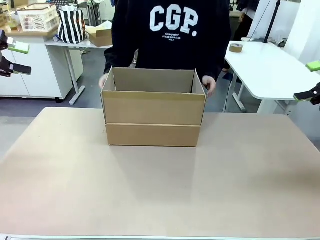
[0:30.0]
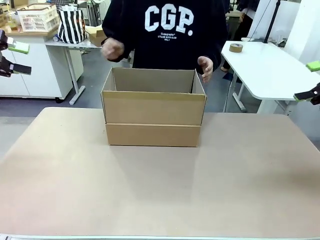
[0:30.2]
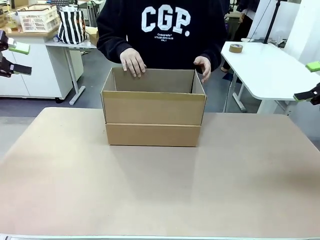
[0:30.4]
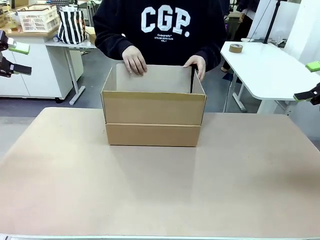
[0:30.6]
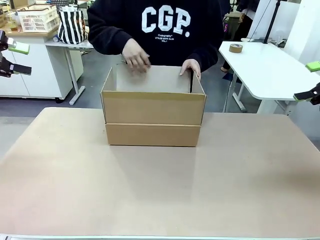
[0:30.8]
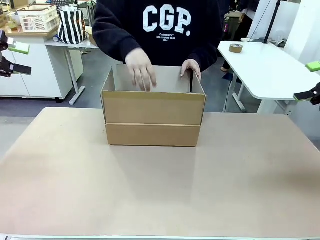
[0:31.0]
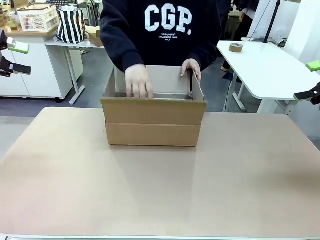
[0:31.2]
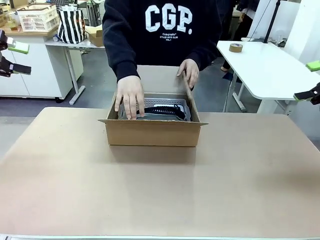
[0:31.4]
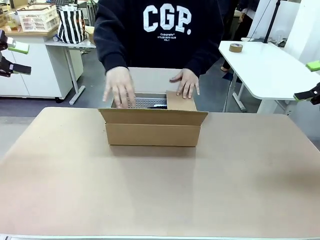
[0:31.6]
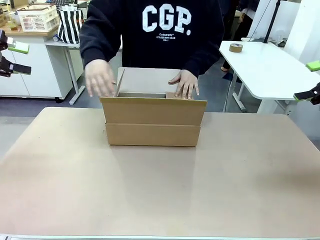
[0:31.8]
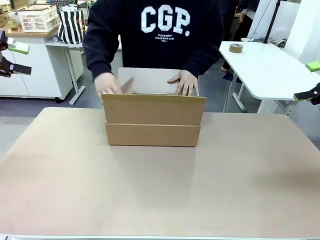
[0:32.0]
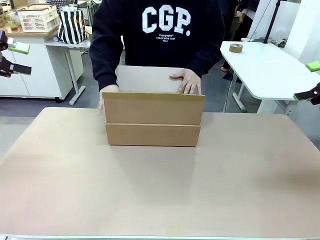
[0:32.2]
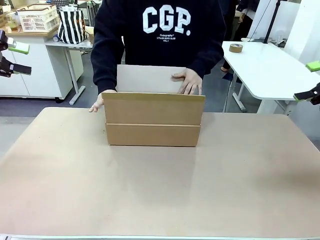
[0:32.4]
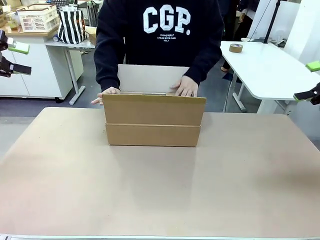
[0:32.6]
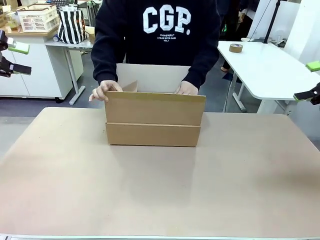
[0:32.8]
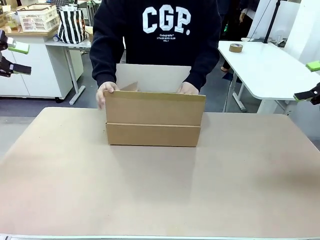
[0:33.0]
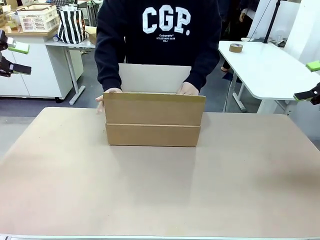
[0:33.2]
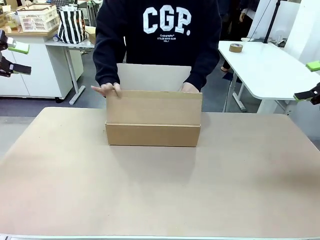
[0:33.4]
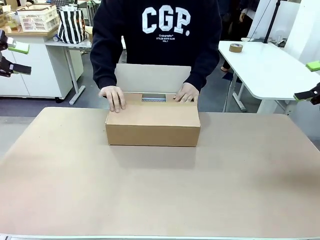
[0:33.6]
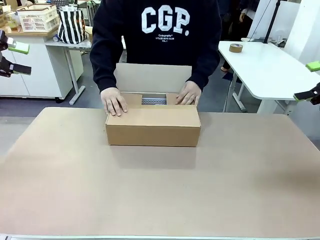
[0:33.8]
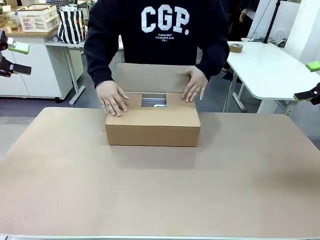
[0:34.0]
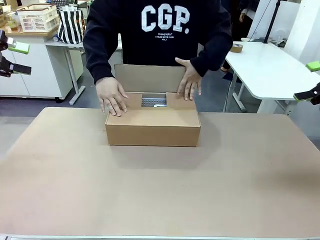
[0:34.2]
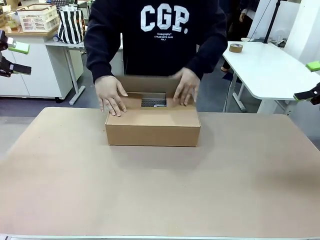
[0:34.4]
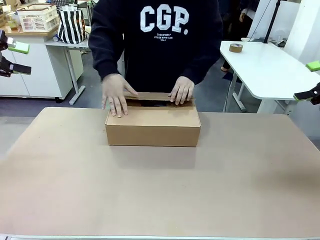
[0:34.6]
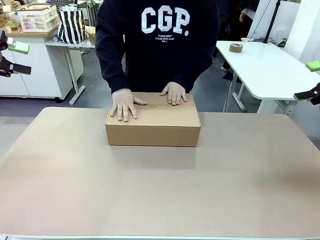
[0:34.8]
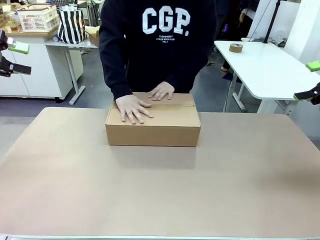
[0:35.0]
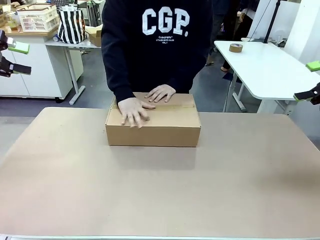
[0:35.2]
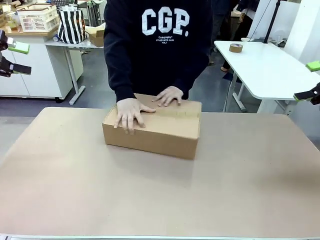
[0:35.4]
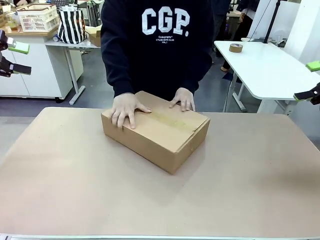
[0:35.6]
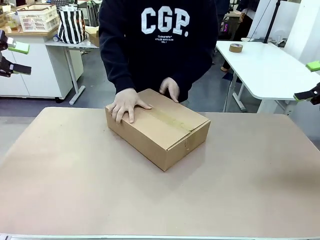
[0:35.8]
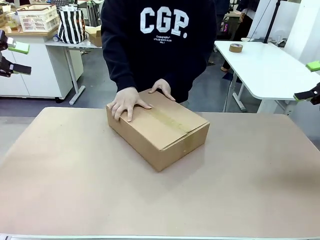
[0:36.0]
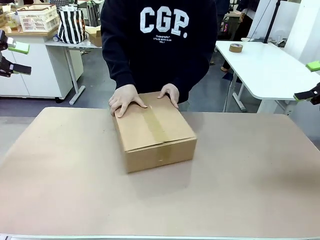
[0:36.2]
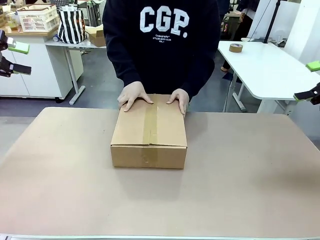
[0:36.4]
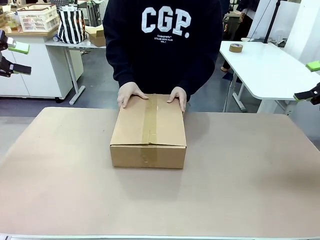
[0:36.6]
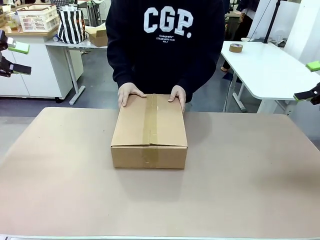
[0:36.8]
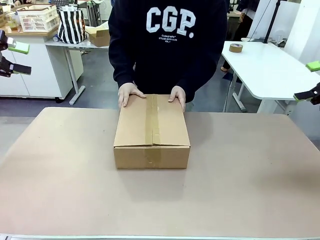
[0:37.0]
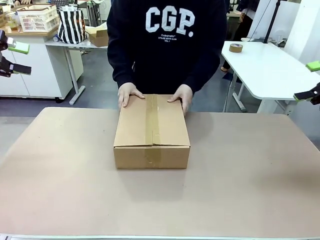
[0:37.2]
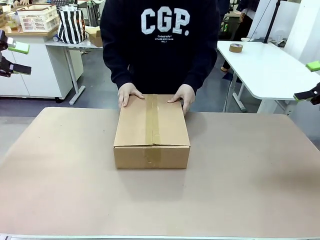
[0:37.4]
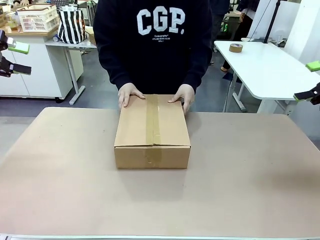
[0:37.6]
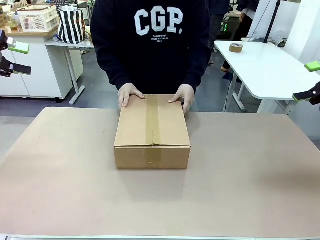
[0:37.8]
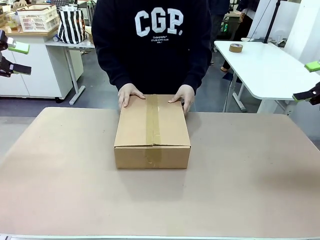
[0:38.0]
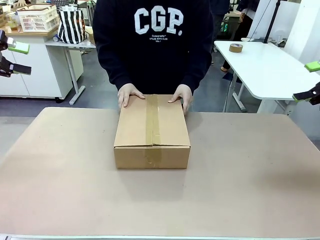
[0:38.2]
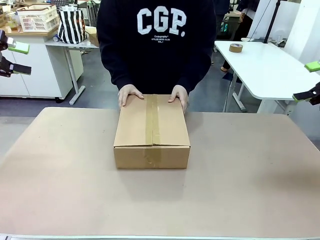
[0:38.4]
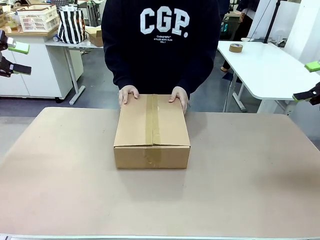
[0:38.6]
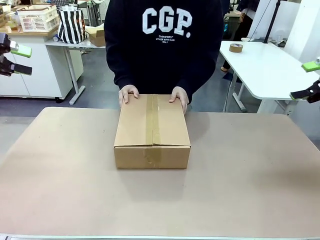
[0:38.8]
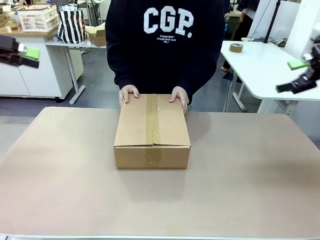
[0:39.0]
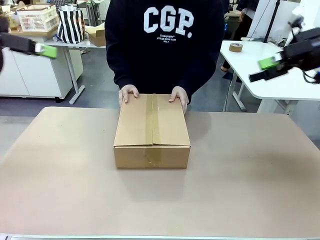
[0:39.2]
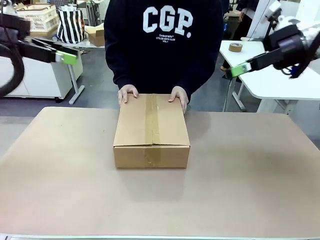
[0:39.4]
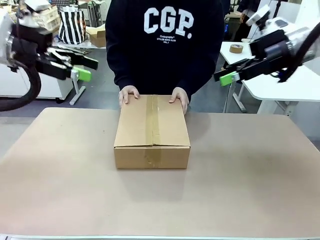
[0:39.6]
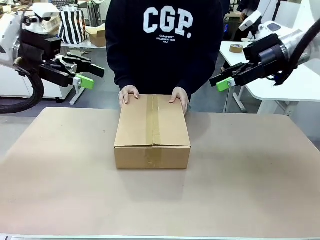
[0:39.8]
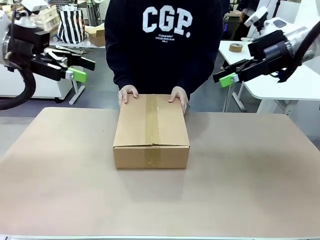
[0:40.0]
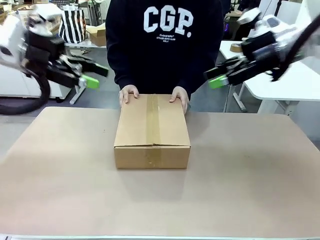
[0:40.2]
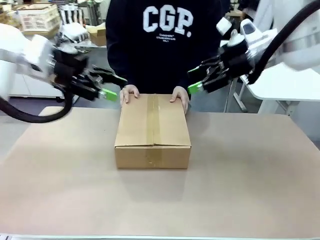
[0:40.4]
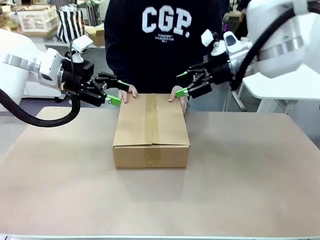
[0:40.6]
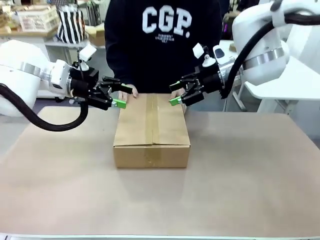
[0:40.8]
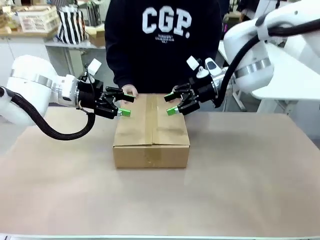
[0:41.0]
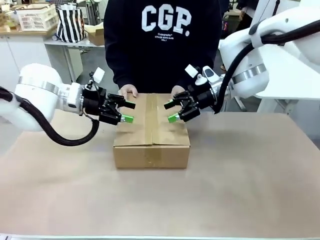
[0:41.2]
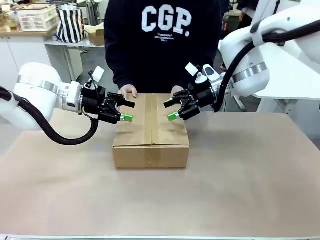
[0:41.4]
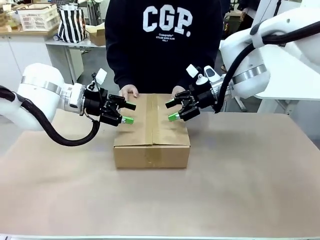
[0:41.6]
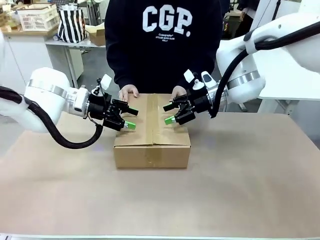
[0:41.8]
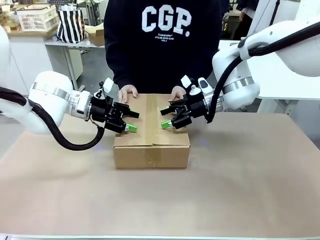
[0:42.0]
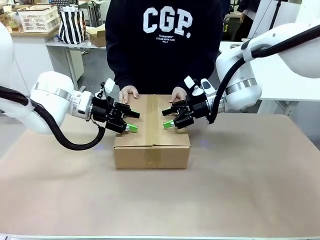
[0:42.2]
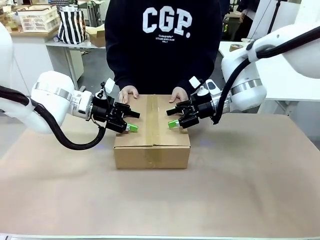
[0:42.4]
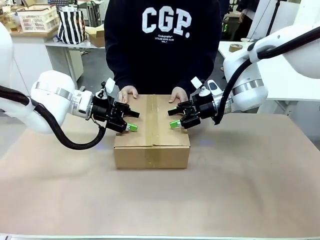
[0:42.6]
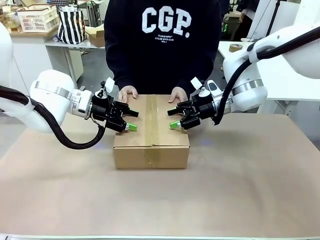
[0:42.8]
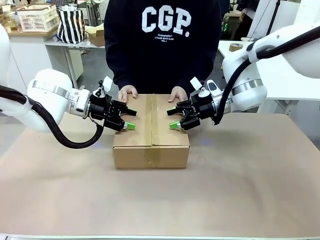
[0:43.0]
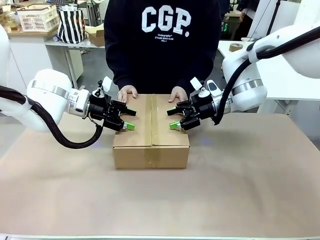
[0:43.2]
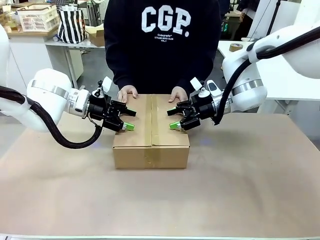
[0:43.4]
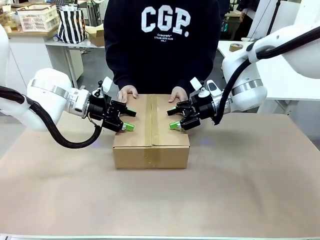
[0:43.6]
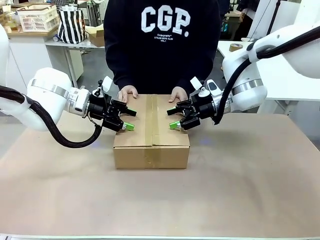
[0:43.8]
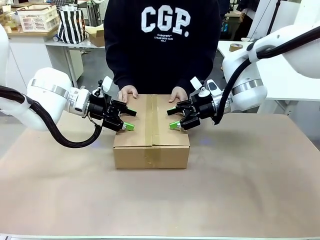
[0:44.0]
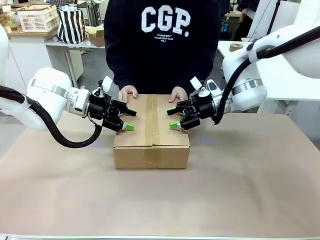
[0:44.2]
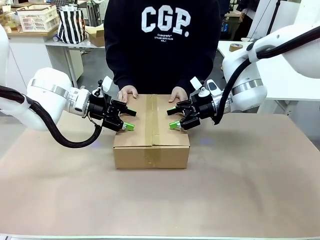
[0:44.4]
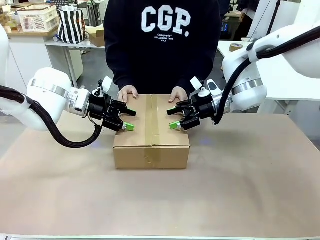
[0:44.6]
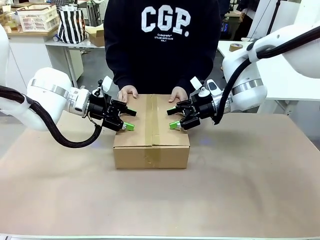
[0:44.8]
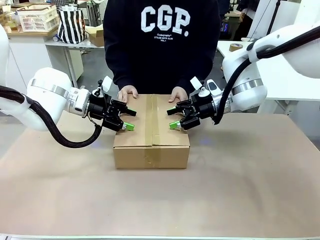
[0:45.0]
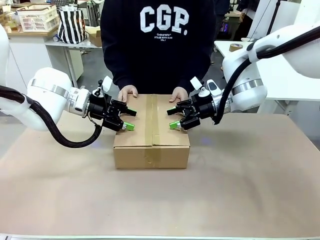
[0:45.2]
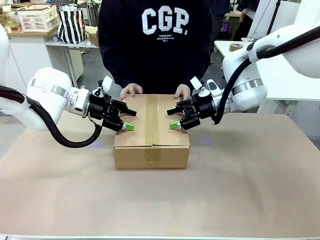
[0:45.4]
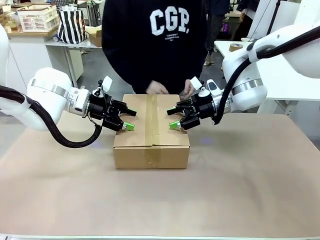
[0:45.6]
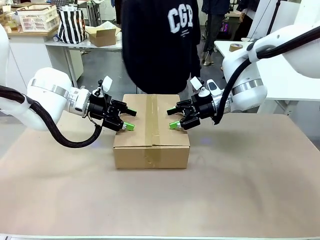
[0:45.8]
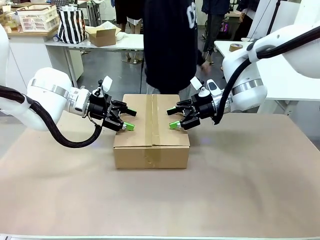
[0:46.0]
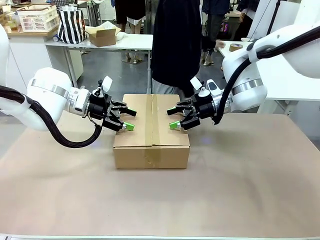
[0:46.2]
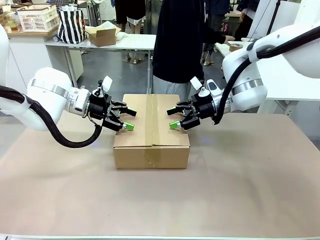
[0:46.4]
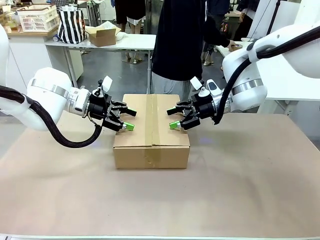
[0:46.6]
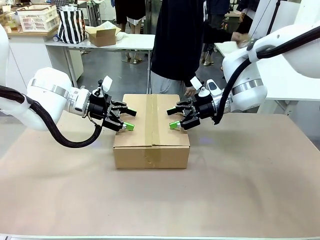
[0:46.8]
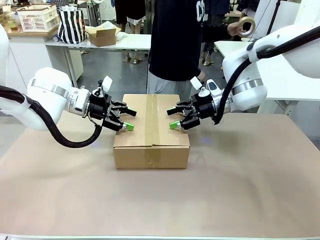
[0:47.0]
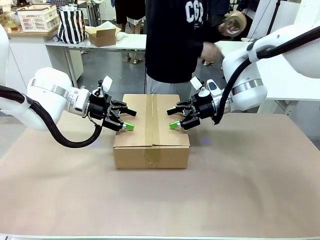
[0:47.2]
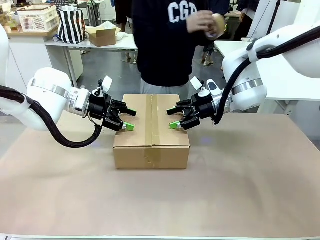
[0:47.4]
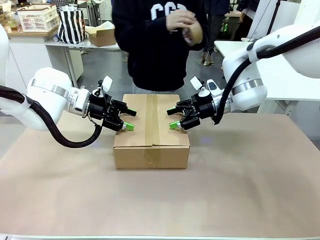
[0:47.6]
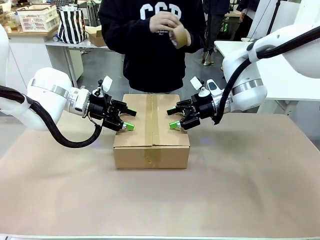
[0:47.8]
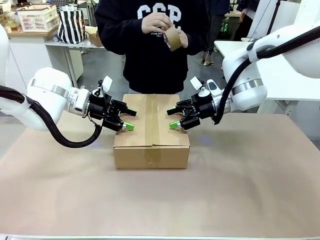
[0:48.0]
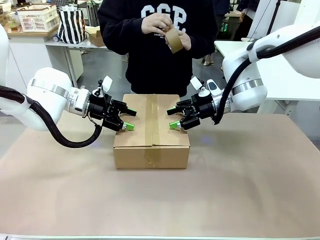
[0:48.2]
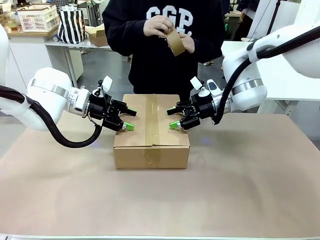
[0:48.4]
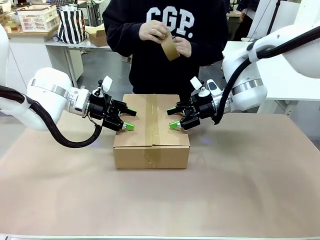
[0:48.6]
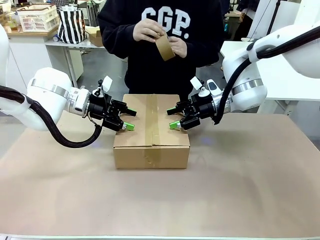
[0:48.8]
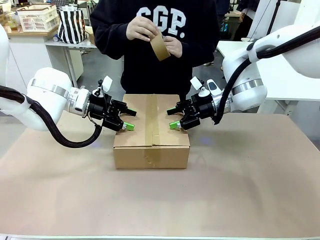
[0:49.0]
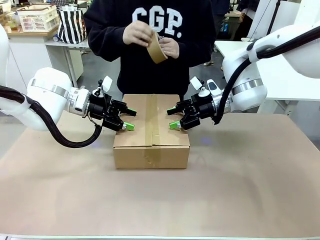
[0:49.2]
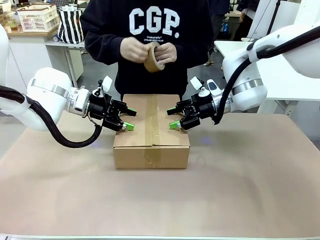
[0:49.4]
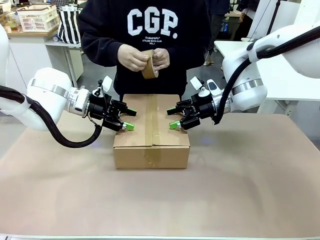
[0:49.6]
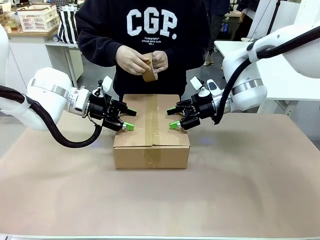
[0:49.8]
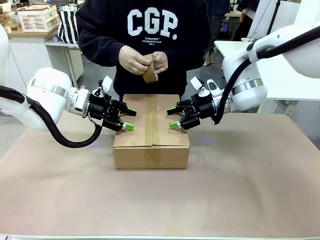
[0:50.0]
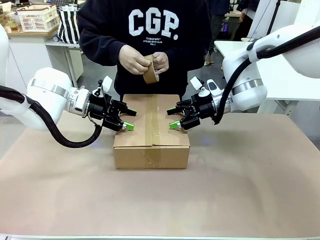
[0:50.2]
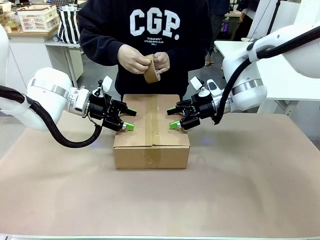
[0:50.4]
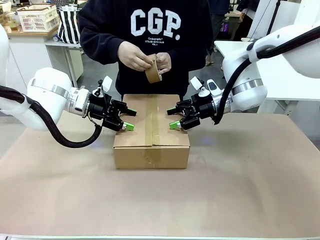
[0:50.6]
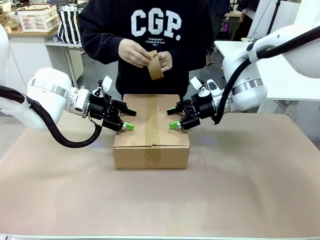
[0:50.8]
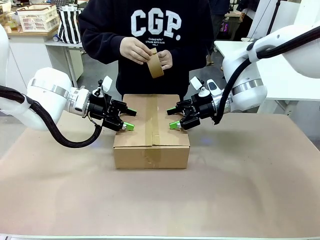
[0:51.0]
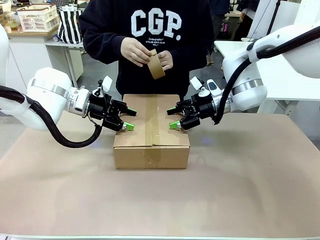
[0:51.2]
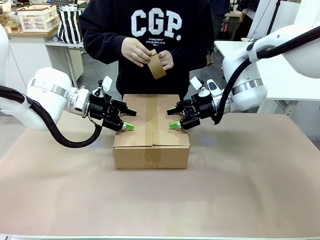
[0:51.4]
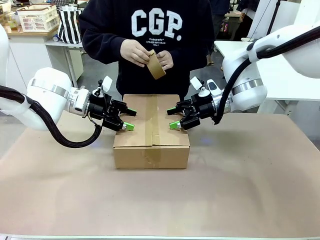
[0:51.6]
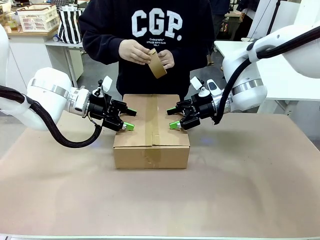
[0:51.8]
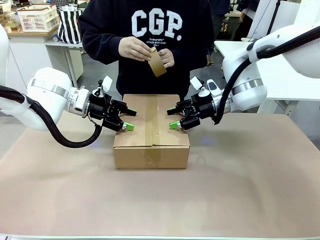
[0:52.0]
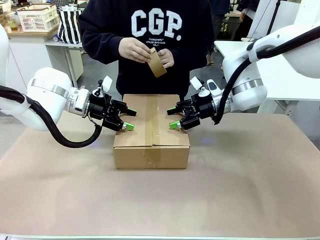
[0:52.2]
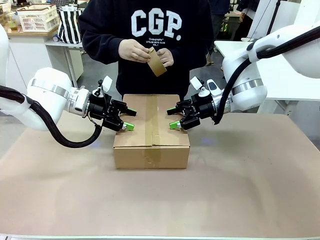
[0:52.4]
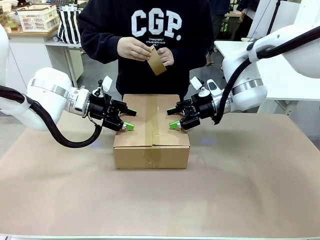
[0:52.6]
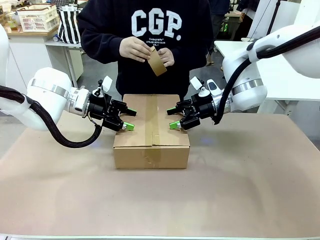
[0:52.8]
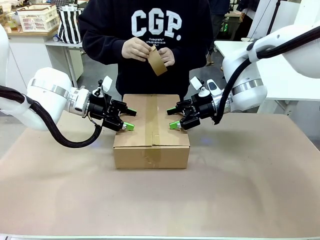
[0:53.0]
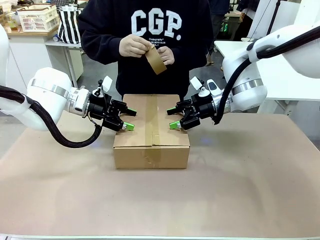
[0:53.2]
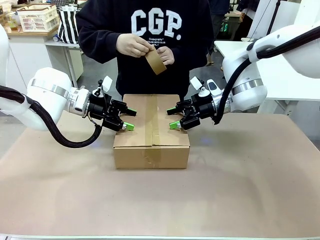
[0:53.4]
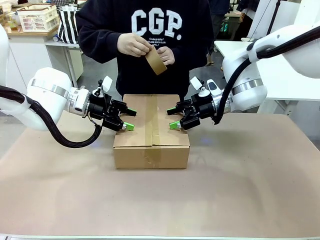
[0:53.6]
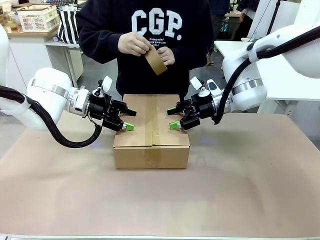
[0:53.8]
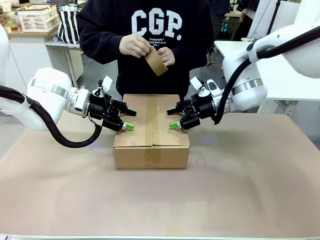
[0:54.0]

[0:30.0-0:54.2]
Task: Pack the gift set into the box.
Robot: Press and hold the closed box until the human finishes sealing it.
Person: The human closes the box and rotates the box by 90 degrees.
